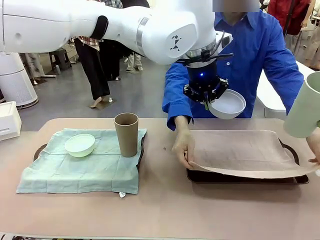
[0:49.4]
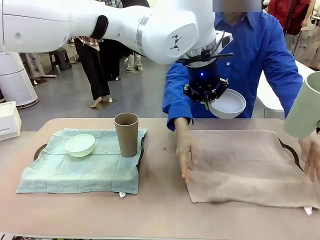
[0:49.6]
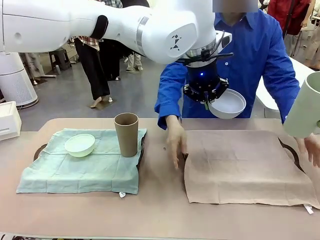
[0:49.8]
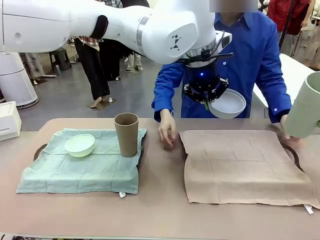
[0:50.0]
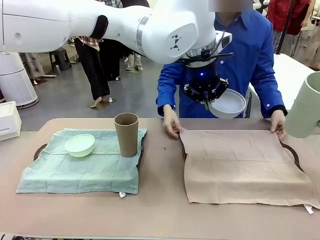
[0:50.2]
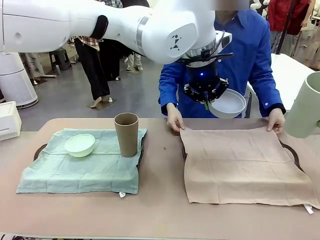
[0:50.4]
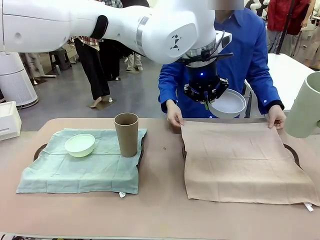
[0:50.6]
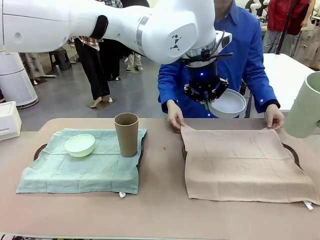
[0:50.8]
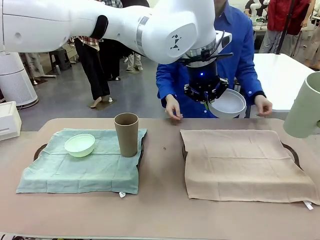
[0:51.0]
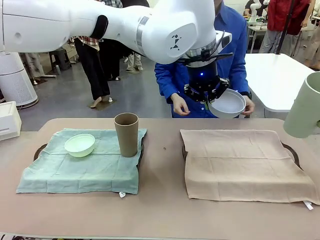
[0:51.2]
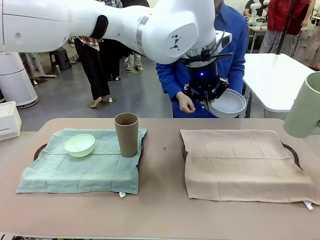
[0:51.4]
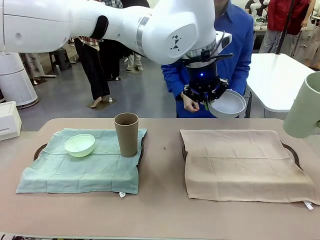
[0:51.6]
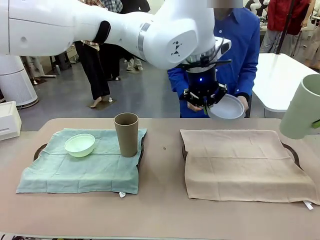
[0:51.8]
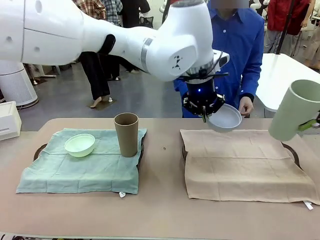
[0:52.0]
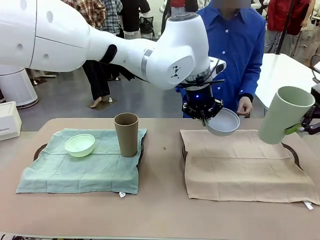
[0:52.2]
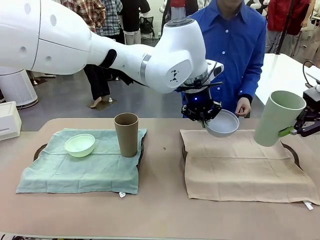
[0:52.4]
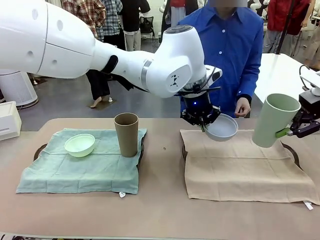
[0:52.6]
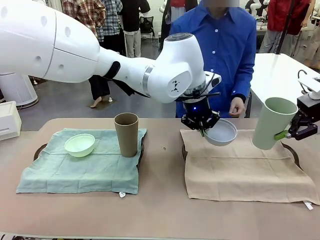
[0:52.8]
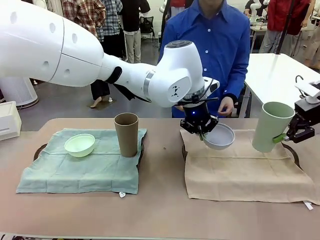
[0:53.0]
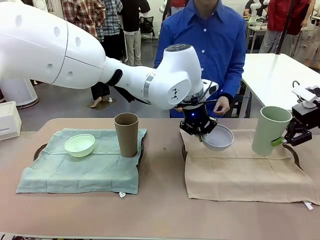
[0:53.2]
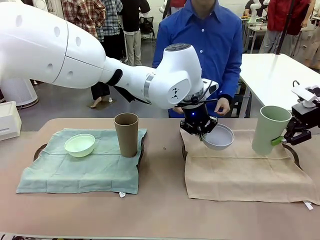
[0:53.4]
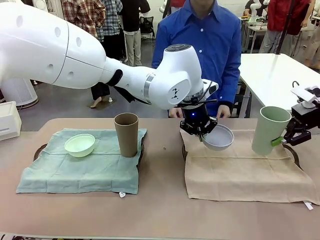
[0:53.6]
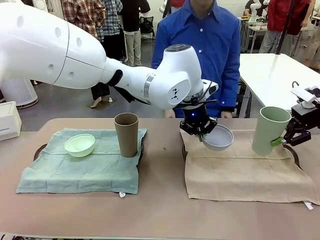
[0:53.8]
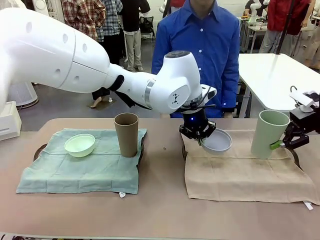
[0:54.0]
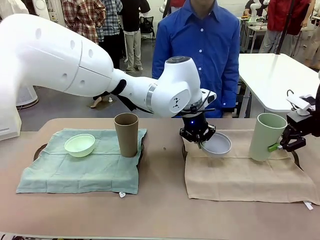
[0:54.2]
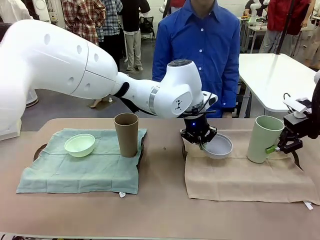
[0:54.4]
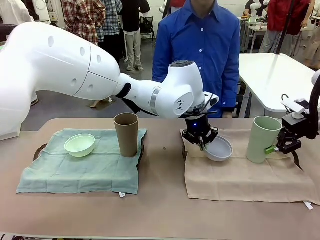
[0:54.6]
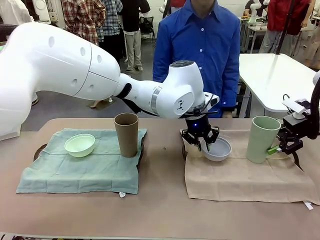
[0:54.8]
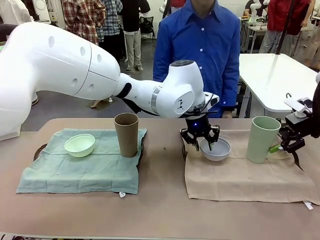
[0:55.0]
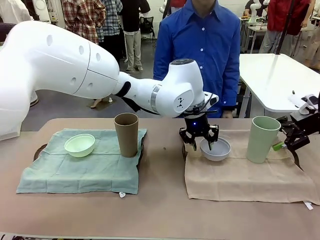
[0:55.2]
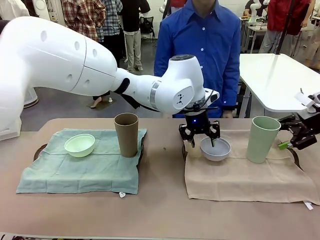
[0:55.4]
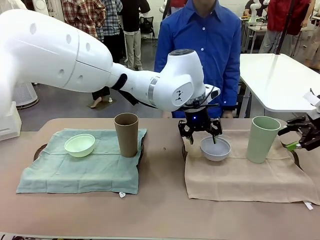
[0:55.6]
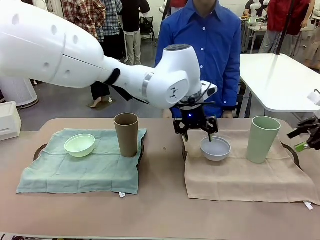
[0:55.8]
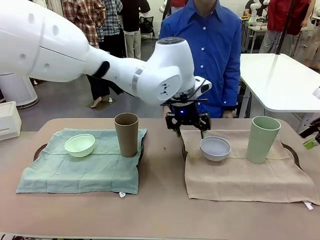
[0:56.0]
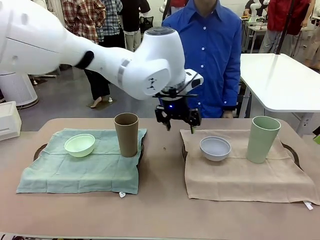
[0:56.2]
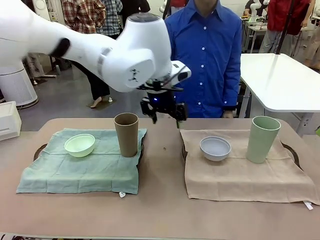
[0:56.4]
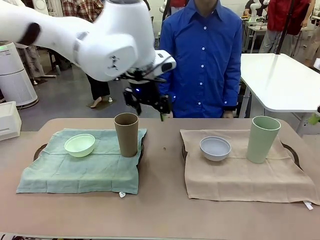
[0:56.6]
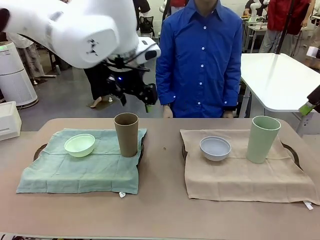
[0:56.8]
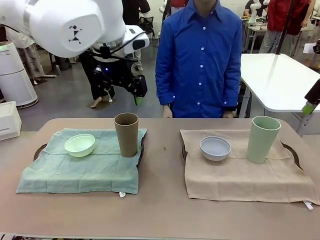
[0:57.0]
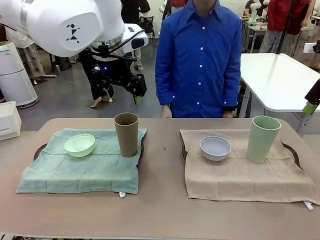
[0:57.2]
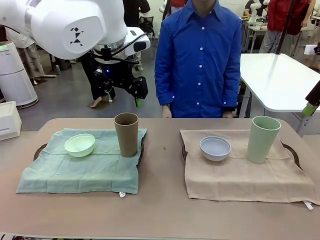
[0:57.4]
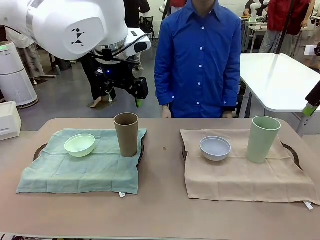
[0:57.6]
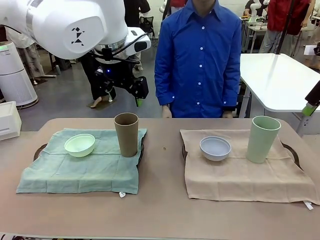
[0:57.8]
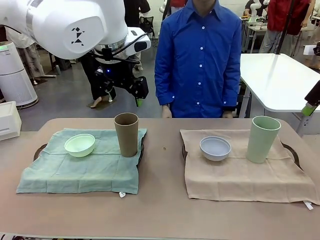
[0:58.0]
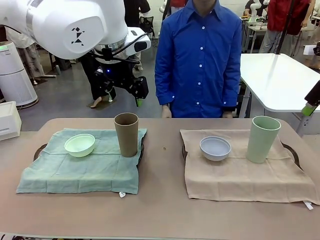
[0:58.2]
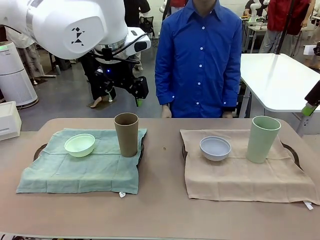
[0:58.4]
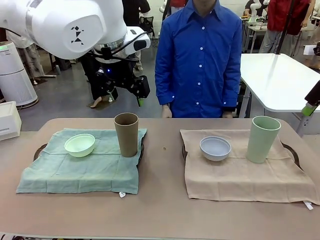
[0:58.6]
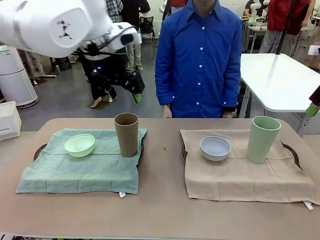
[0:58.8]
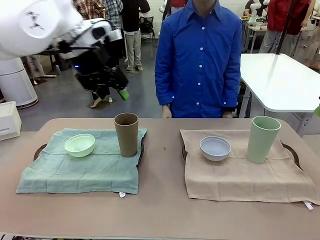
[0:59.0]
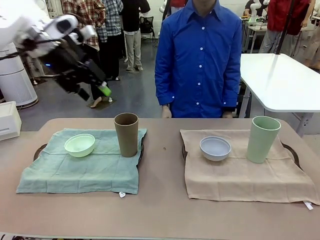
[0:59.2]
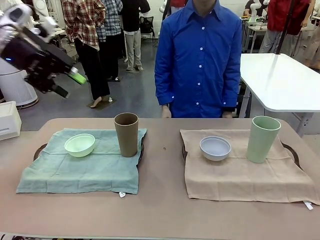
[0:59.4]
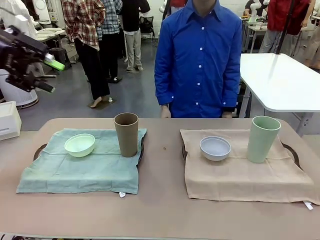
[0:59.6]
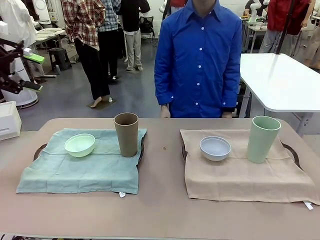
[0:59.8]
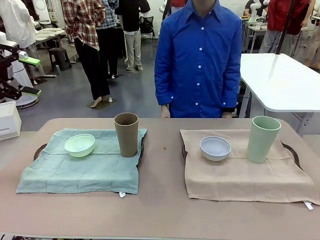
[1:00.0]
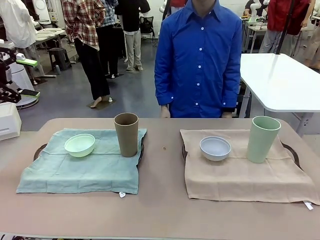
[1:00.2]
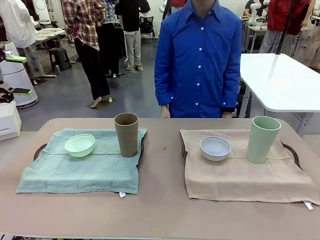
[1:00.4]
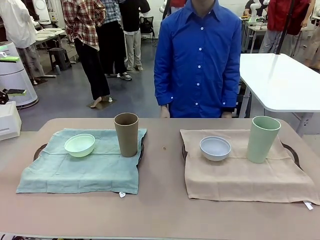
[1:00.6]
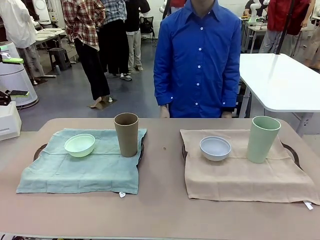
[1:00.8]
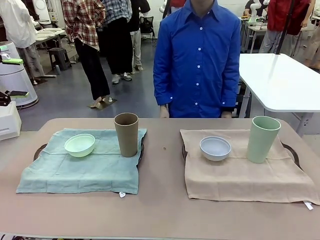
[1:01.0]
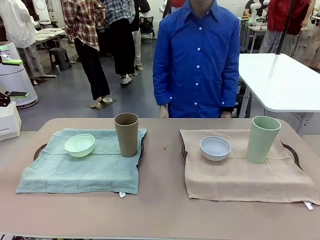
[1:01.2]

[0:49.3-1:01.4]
Robot: Place the Picnic Bowl and Reusable plastic cup back onto the Handle tray in front of the human's position.

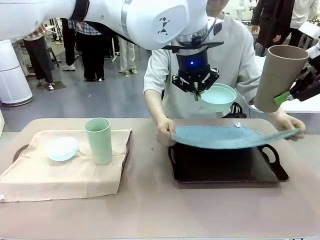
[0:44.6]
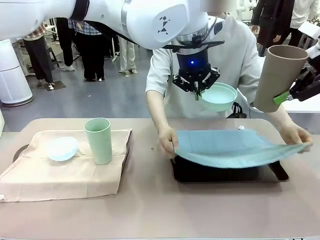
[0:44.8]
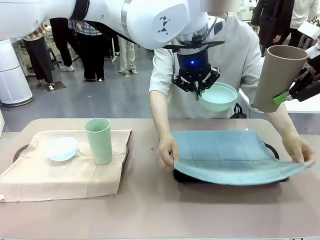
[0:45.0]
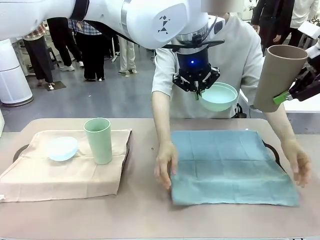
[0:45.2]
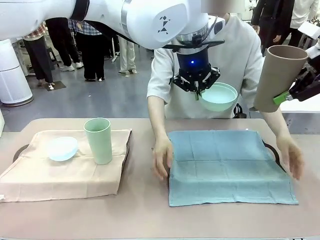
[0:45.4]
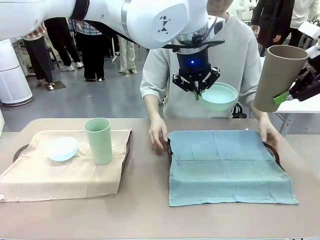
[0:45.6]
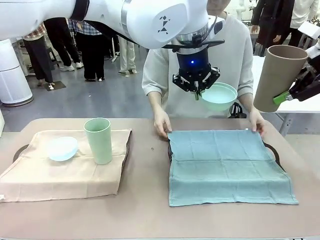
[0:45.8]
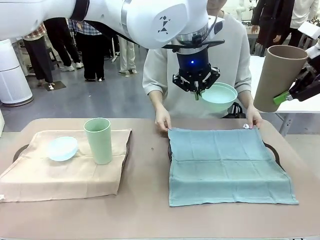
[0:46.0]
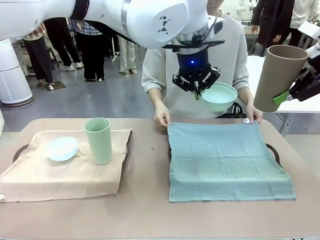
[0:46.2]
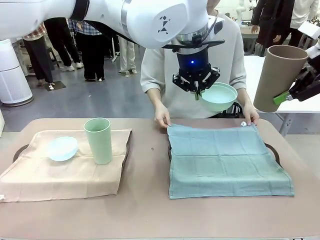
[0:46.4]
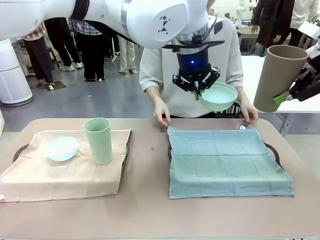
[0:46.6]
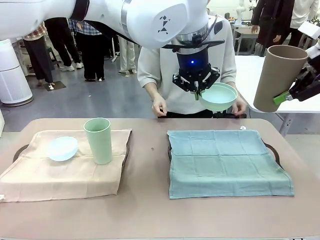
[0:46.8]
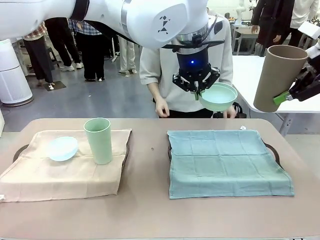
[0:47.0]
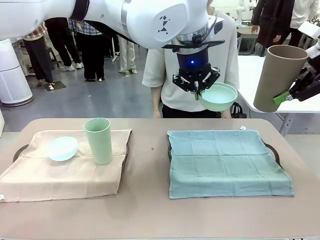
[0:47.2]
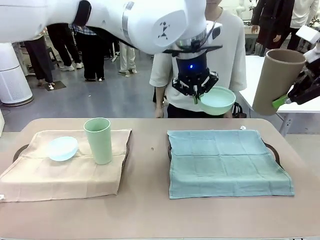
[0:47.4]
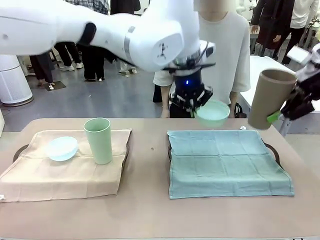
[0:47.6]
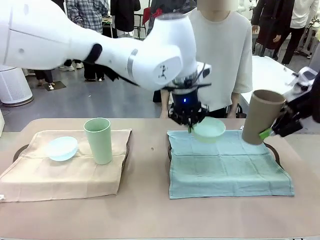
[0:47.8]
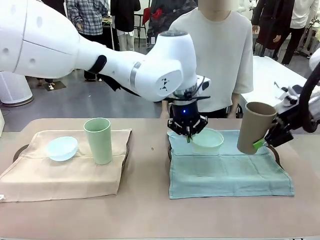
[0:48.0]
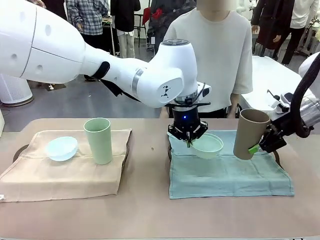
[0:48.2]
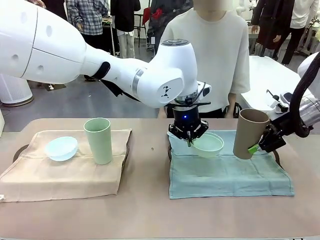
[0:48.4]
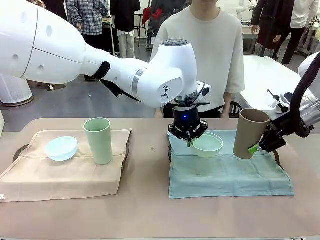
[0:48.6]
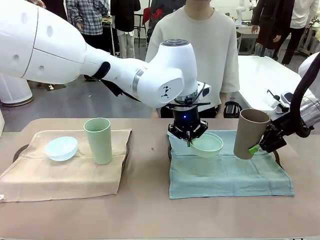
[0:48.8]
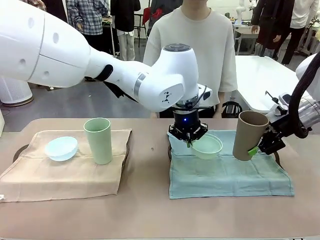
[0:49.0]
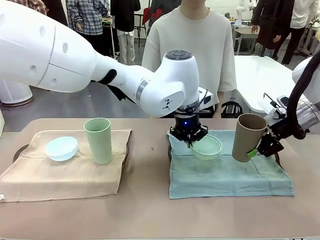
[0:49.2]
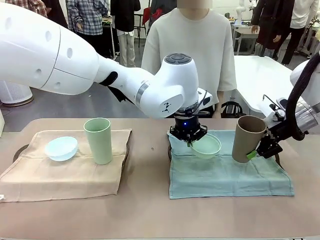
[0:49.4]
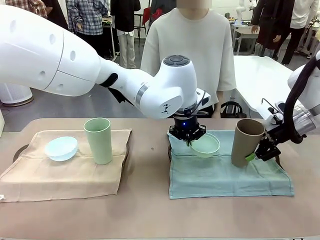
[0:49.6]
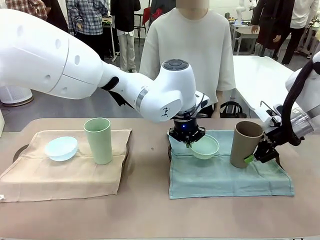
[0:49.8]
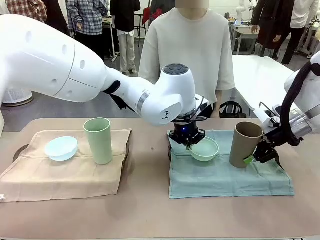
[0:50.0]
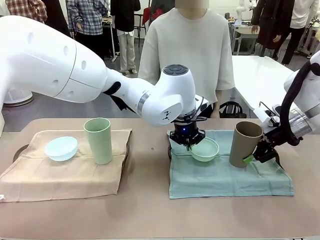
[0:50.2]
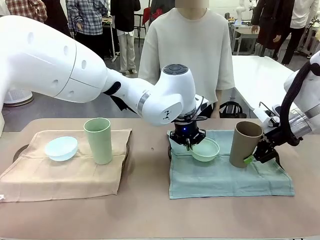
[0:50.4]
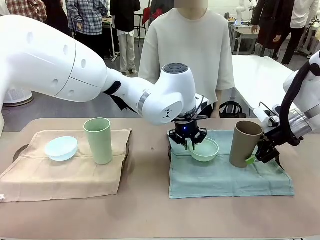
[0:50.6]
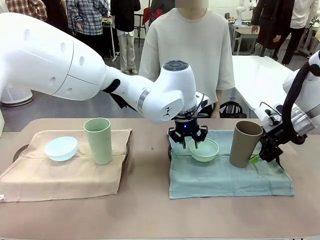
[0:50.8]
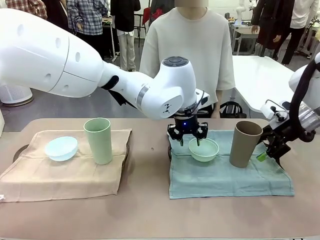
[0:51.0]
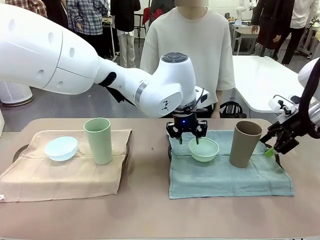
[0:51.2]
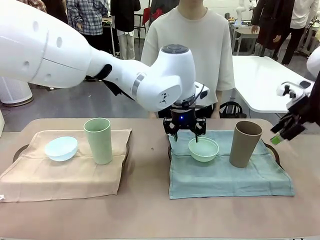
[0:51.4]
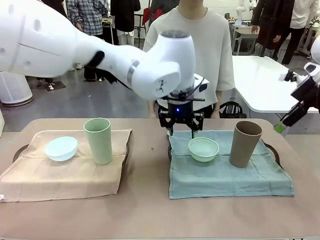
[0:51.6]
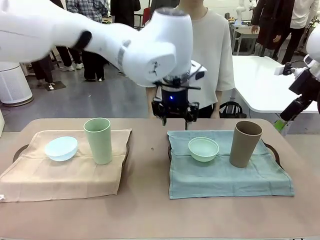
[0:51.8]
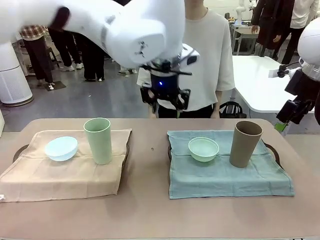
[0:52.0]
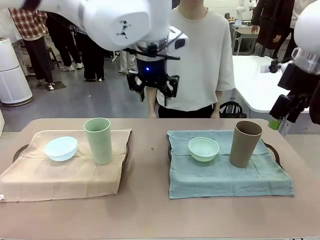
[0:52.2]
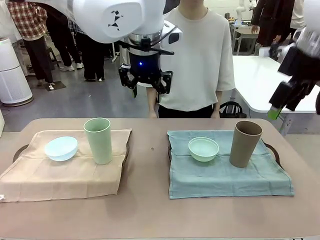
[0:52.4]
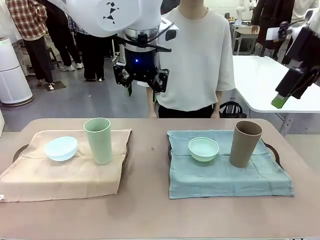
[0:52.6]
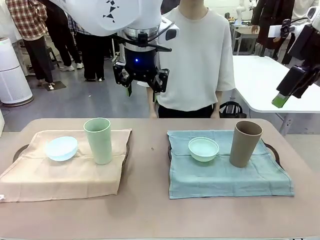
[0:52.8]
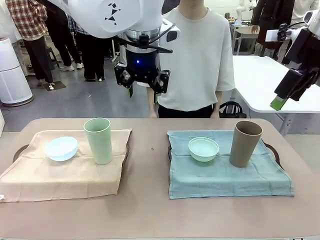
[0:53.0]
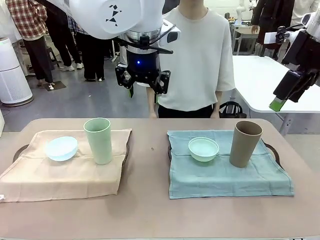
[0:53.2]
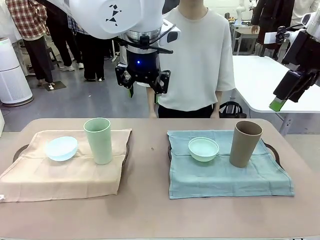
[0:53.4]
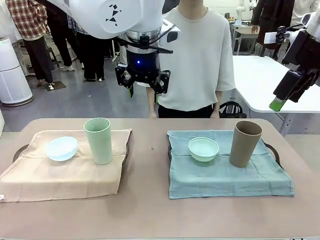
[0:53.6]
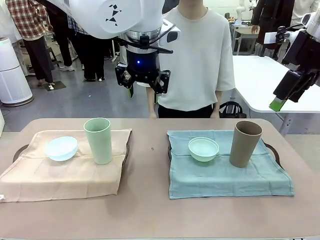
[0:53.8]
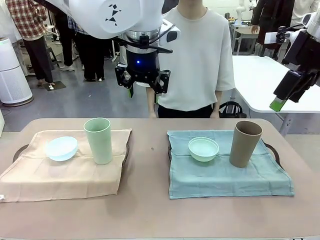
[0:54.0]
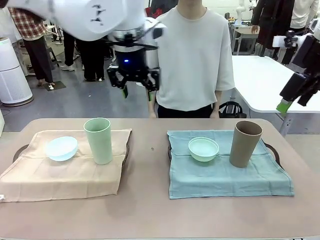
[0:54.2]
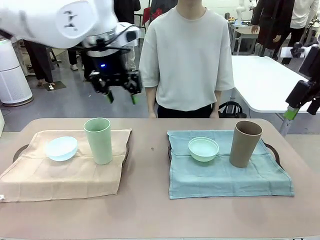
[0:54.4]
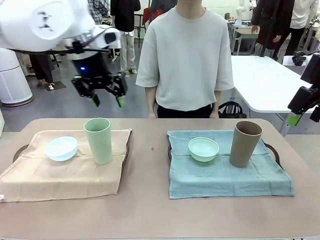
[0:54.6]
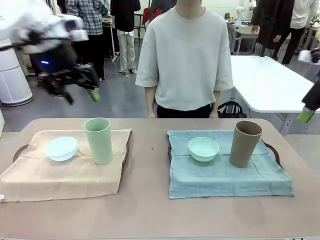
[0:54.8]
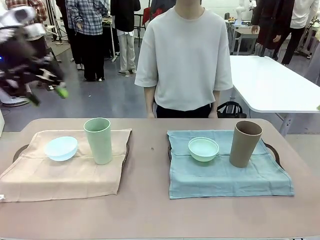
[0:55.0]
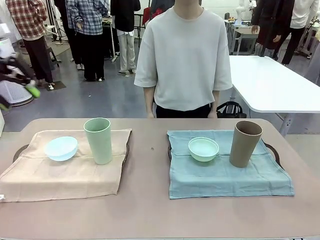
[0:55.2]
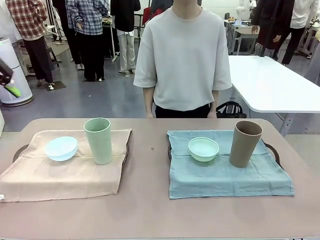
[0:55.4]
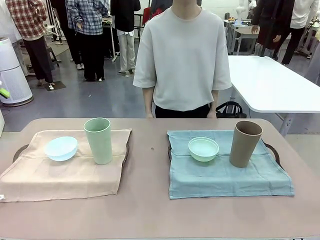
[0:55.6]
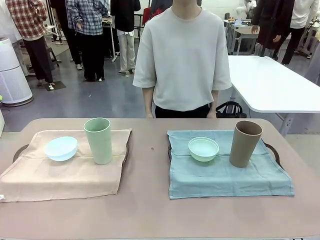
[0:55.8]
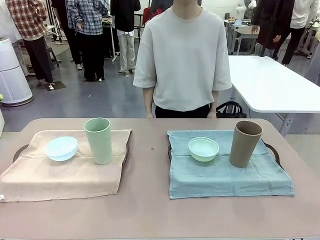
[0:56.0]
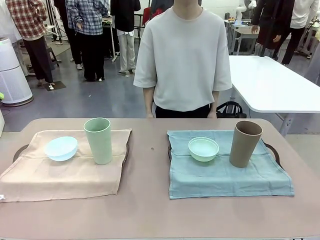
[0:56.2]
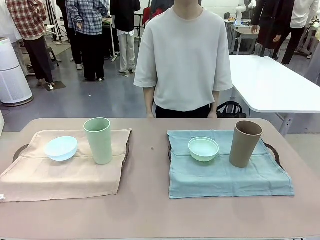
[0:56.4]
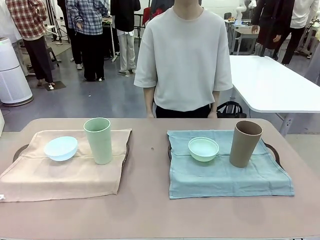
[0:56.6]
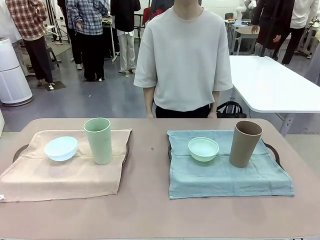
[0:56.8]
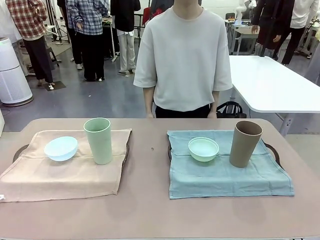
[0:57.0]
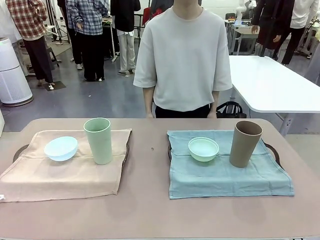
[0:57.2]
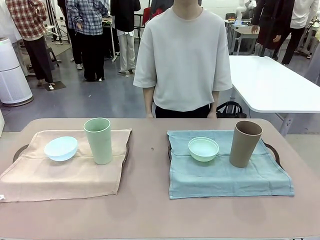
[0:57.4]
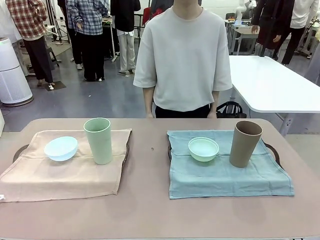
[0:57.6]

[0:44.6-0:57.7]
Robot: Place the Picnic Bowl and Reusable plastic cup back onto the Handle tray in front of the human's position.
